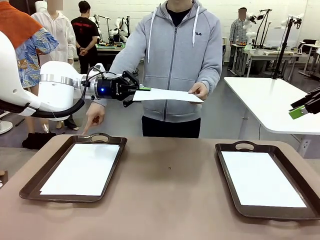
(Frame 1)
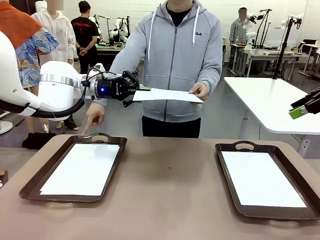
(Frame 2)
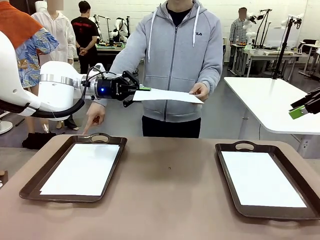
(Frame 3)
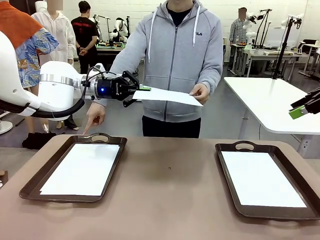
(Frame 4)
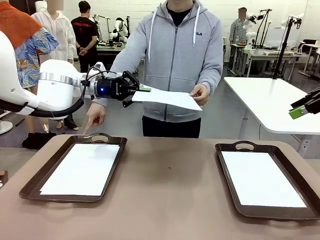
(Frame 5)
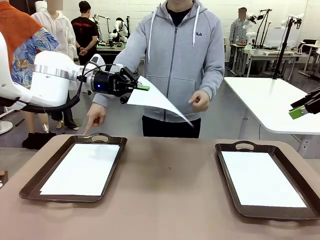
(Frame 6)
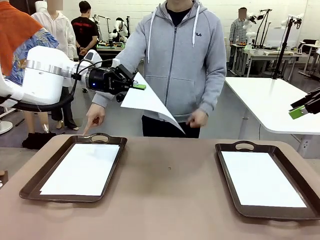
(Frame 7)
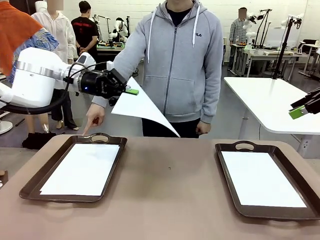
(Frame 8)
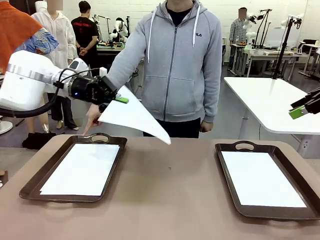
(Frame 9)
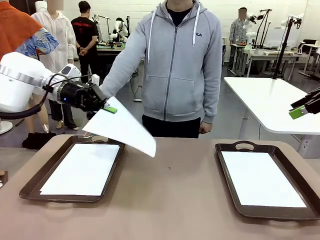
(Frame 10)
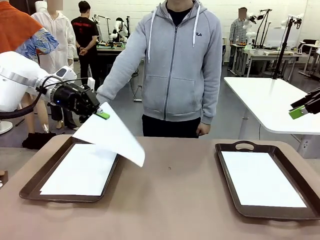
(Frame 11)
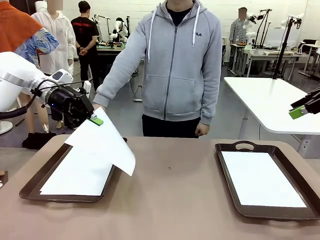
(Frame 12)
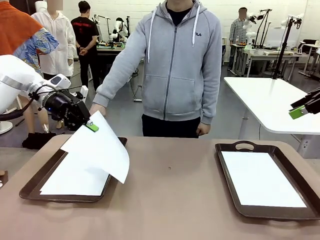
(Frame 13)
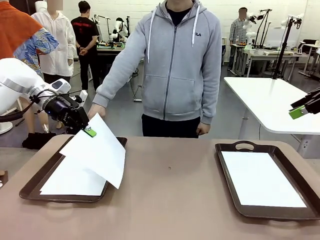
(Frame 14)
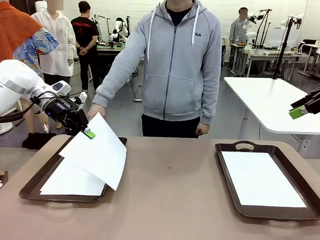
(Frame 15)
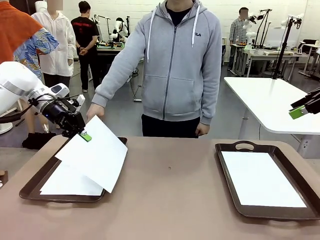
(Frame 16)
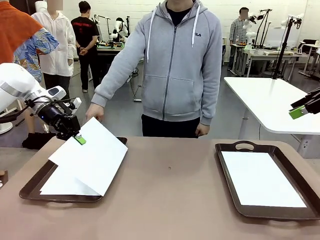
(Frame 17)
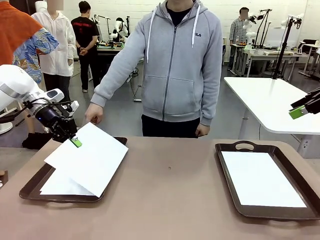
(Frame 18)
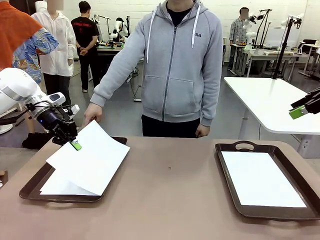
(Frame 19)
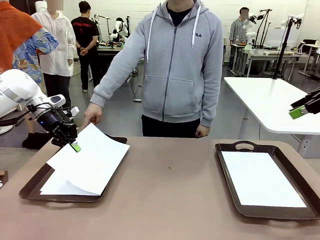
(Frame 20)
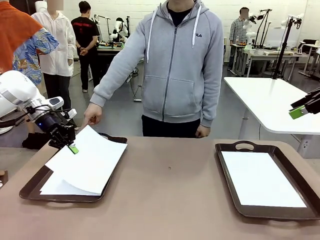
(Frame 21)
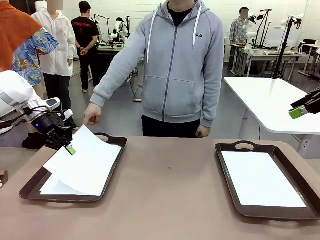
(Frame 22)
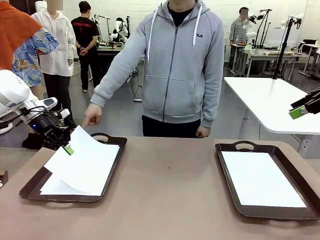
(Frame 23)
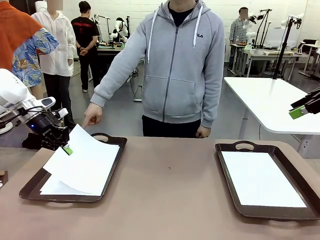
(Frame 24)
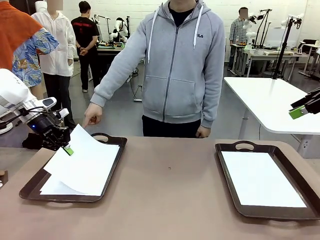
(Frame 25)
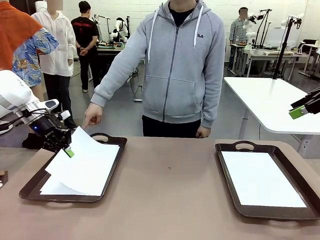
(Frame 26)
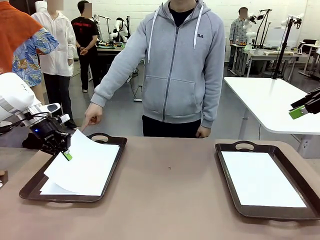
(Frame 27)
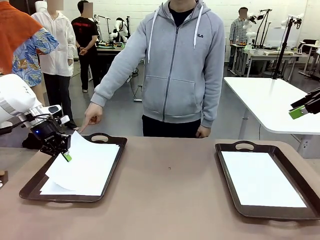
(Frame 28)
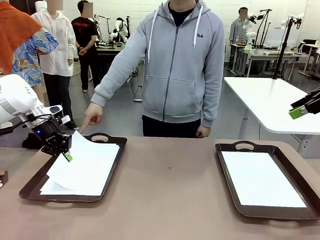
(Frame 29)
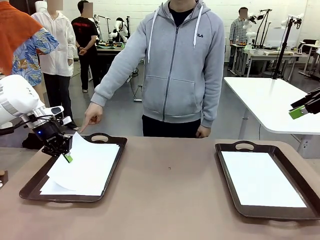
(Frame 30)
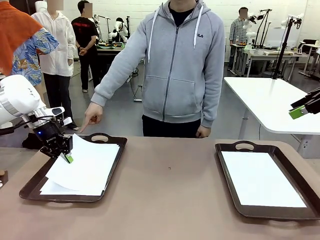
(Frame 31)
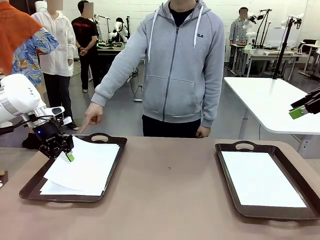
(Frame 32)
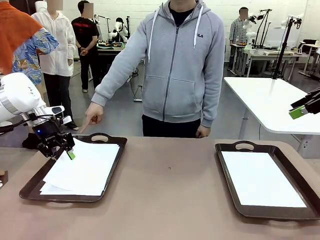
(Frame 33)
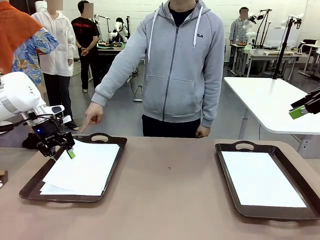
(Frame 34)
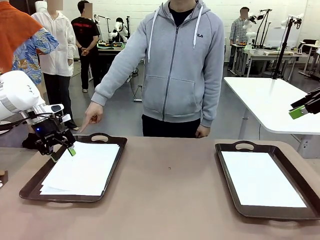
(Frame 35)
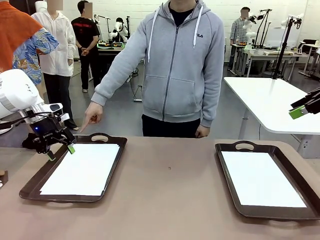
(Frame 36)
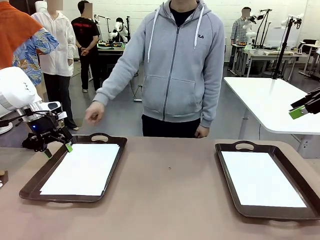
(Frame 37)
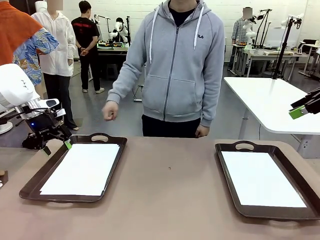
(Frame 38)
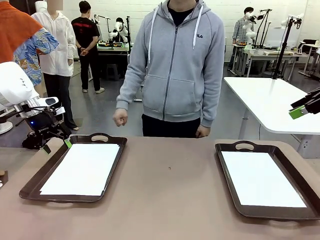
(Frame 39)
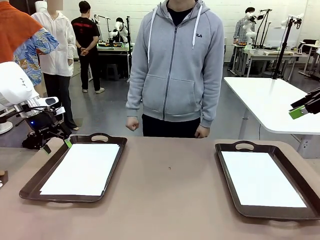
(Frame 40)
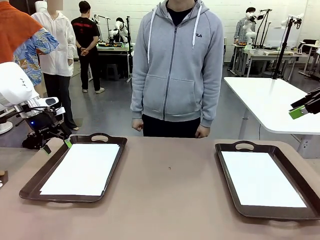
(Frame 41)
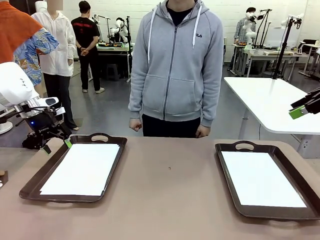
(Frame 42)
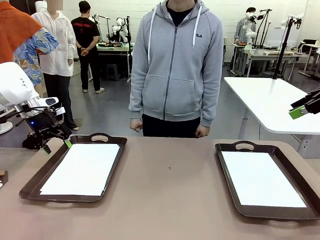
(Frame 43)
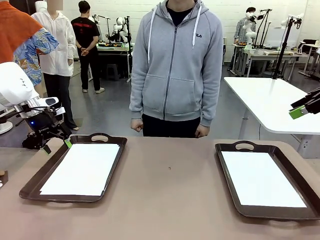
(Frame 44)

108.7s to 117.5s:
Task: Sort the A4 documents.
Robot: Place the A4 Paper in the designated Handle tray.

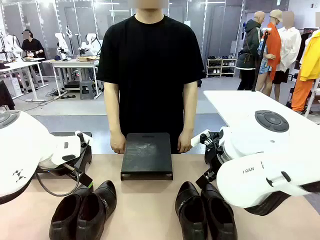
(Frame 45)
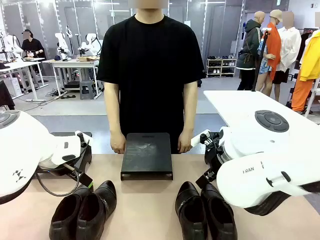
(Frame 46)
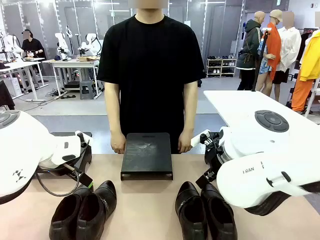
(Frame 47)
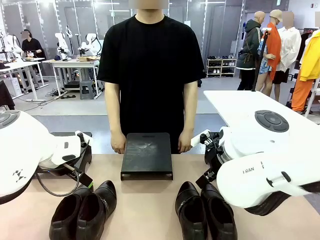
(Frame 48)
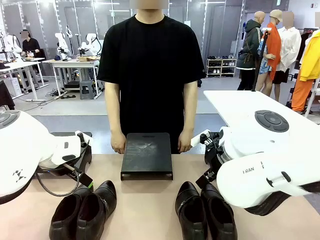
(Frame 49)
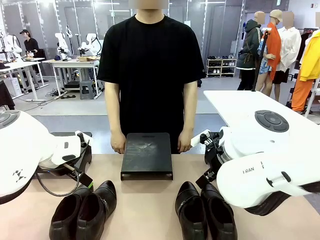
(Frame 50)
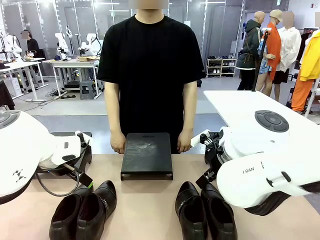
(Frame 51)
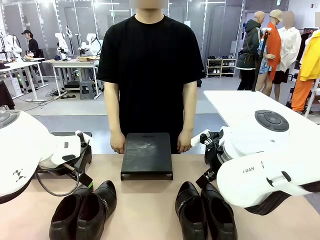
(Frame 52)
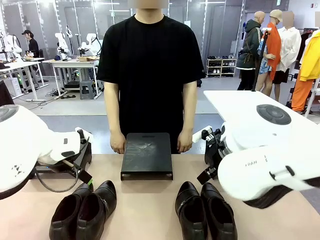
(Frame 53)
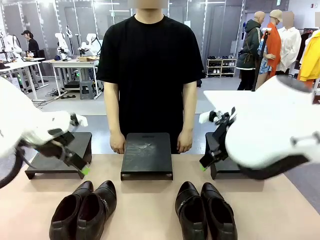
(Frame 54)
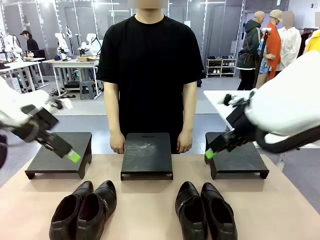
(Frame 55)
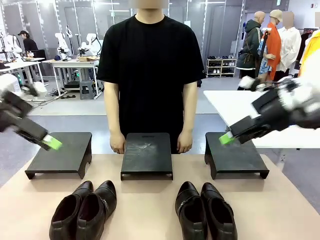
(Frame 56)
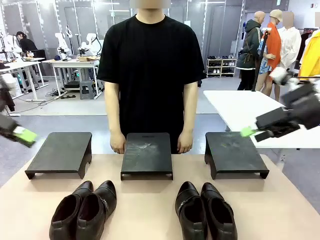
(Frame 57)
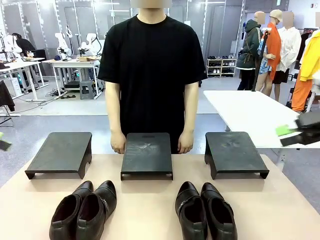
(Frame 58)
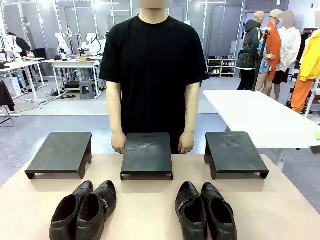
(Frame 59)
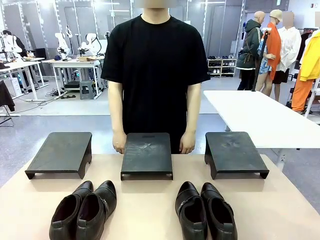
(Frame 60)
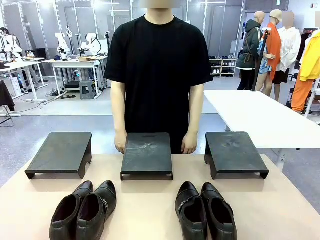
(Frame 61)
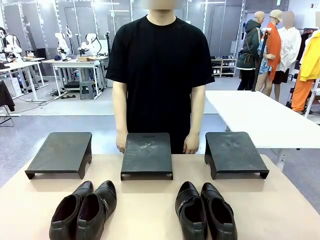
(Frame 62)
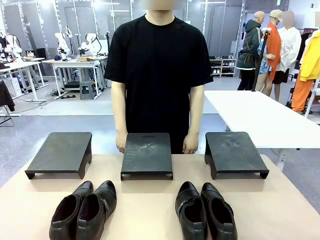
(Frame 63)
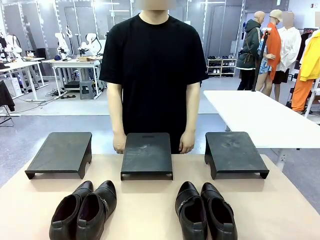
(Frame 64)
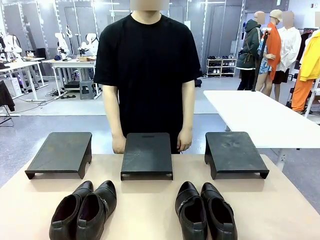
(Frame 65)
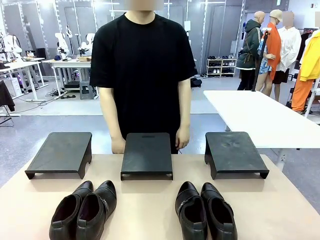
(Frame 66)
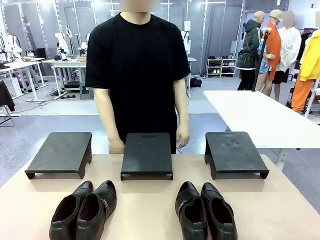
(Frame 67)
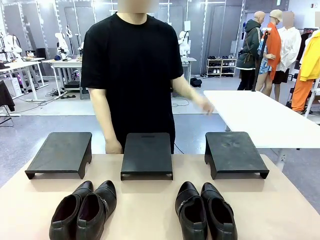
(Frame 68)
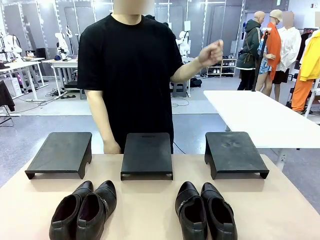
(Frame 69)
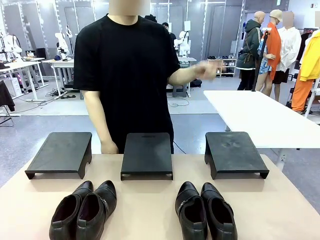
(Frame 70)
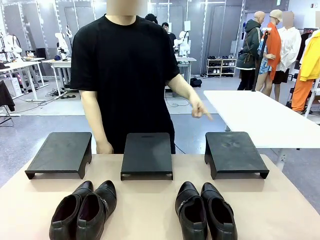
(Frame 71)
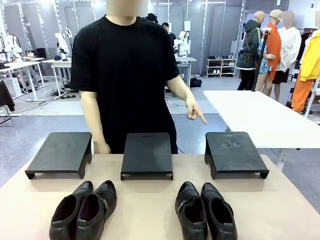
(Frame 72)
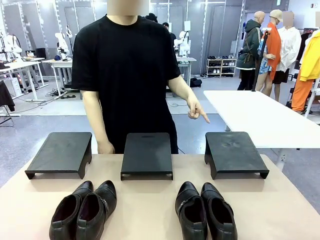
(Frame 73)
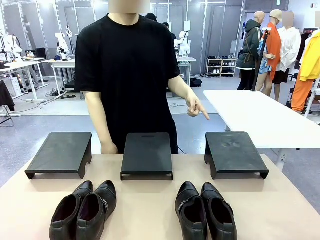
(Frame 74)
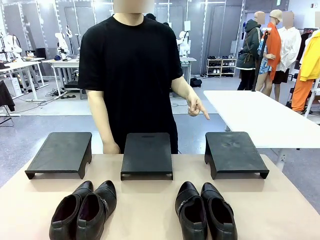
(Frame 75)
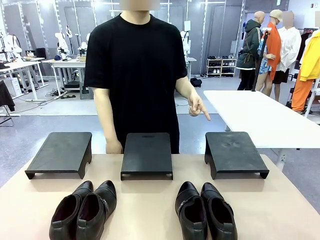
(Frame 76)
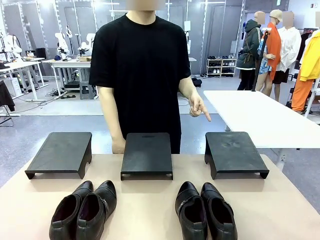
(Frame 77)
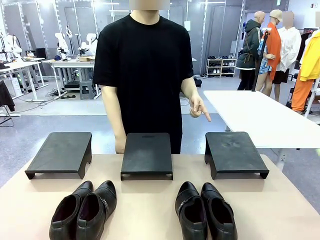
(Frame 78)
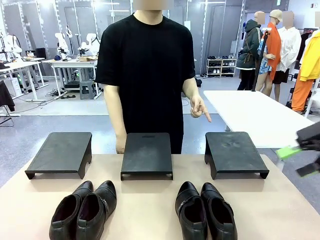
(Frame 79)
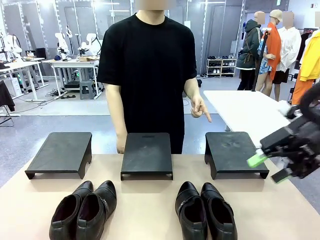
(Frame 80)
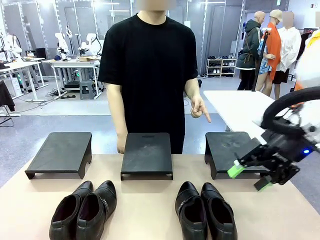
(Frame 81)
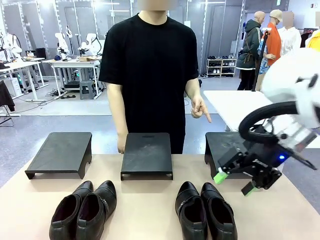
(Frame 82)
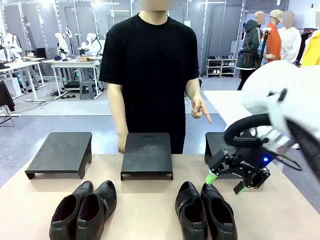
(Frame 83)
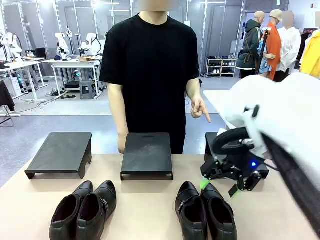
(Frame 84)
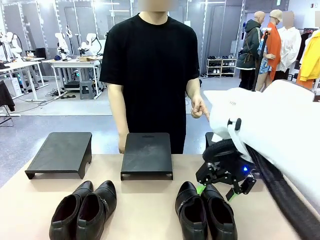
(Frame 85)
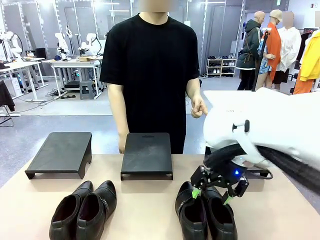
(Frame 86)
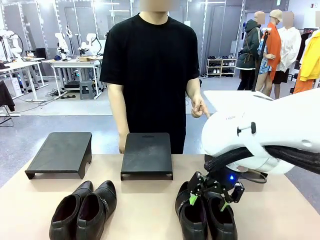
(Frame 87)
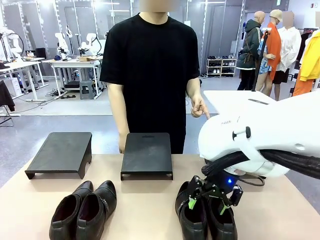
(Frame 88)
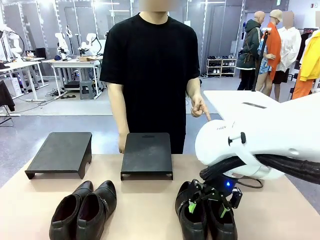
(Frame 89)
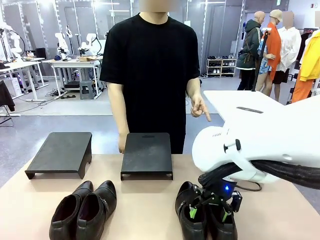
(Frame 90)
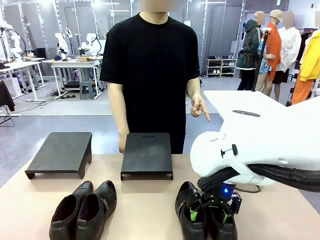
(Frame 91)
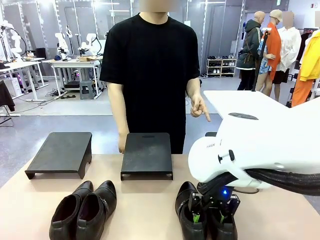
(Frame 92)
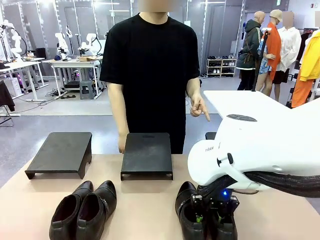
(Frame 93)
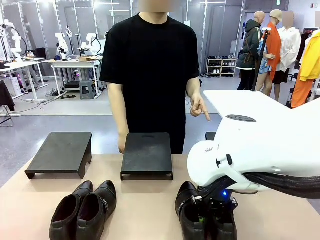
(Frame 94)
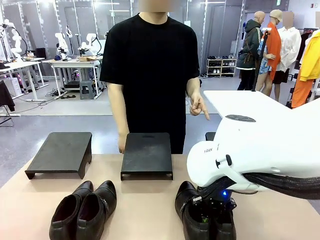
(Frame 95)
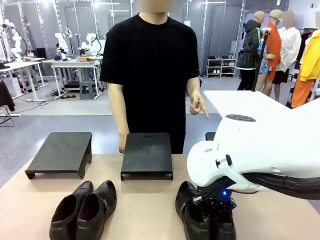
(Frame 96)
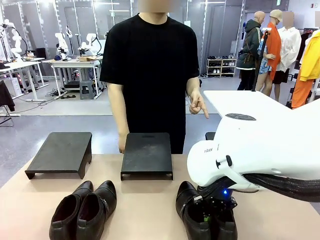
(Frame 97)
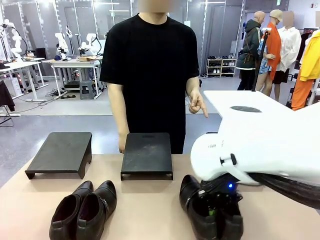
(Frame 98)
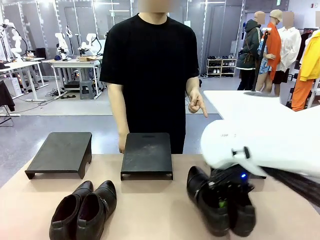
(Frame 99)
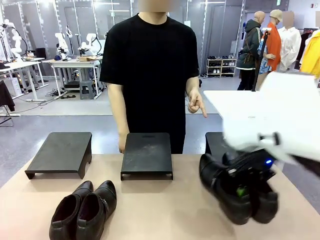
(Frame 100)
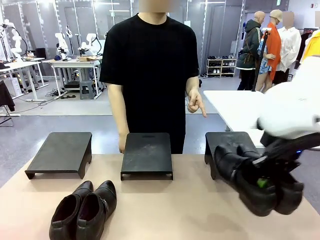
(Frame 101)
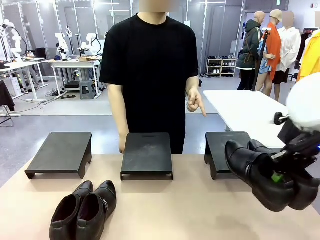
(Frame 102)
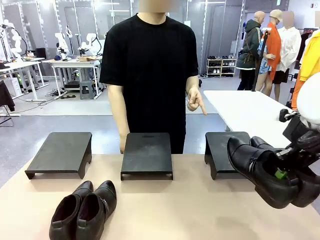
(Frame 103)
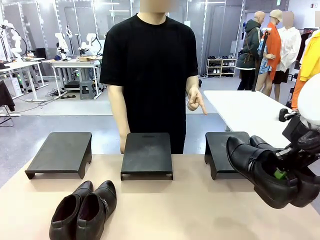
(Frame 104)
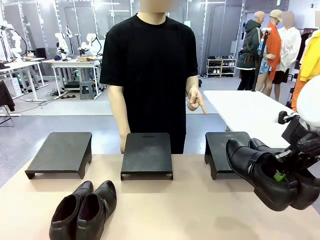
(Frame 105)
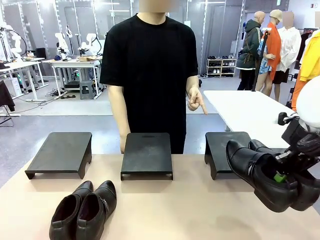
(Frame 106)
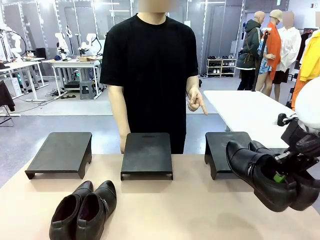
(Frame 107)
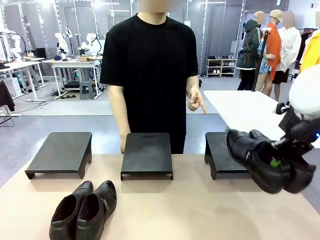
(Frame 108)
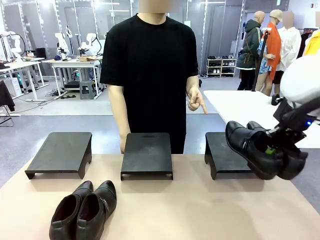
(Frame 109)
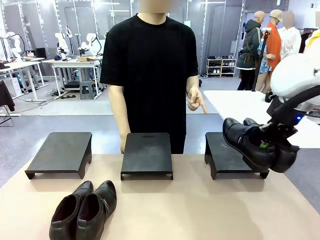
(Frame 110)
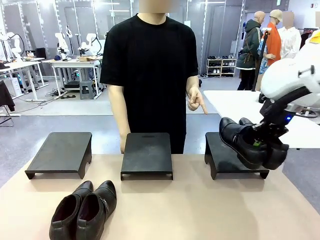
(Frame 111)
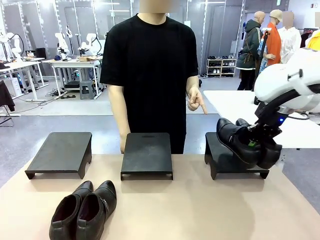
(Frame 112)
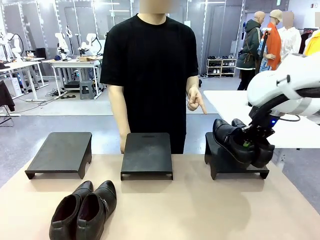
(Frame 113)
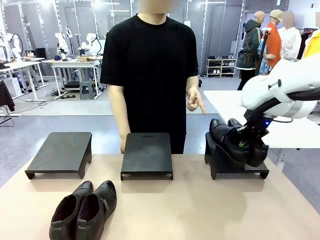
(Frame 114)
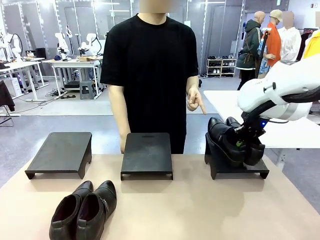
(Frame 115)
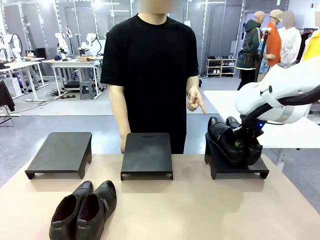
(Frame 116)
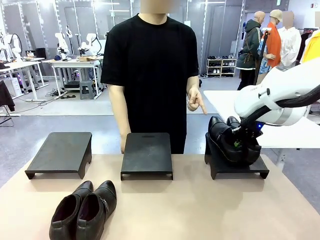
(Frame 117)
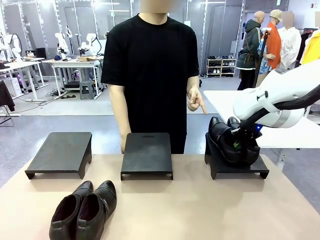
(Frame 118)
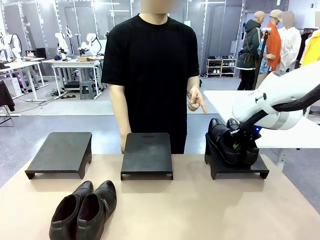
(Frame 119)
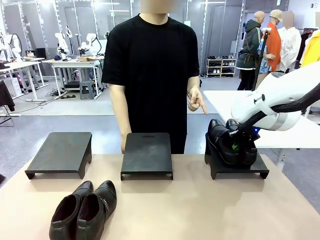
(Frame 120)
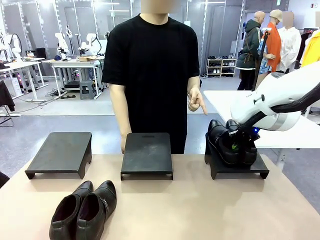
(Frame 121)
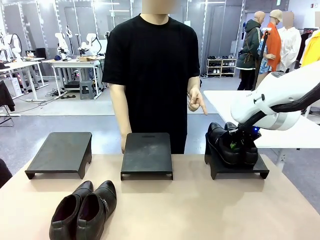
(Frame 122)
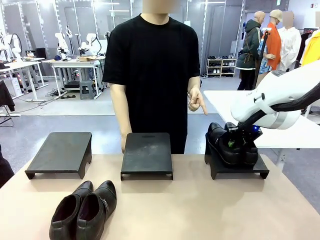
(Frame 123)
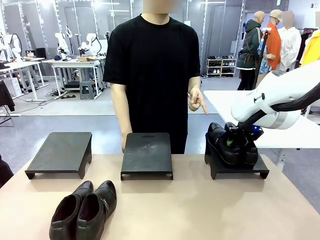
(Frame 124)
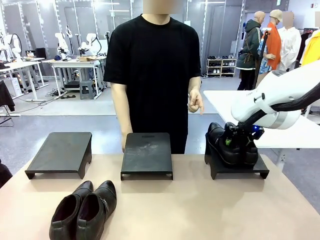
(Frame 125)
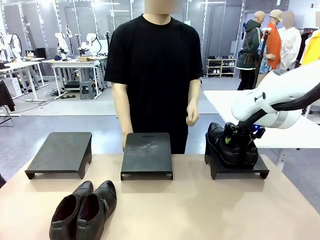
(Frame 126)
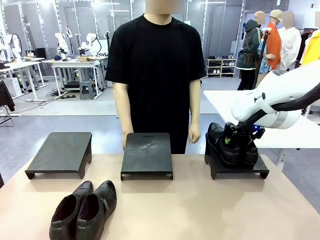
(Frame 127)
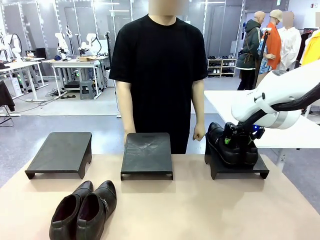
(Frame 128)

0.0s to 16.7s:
Task: Place the shoes on the stand as instructed by the person.
Robot: Pick up one pair of Shoes and place it on the Shoes Stand indicated by the person.
